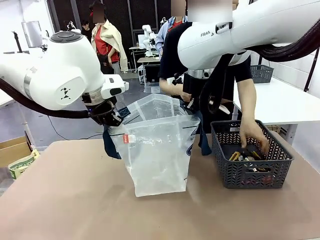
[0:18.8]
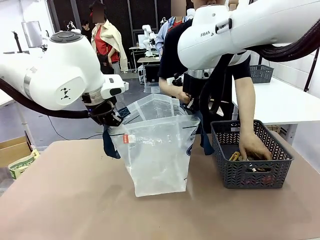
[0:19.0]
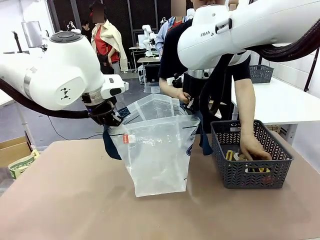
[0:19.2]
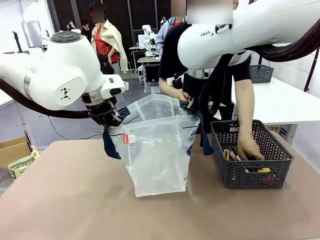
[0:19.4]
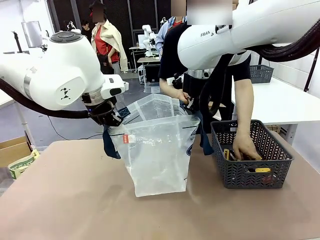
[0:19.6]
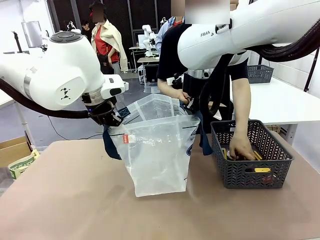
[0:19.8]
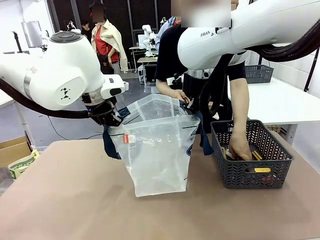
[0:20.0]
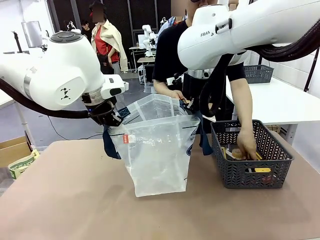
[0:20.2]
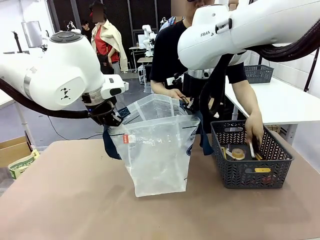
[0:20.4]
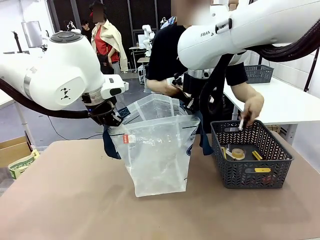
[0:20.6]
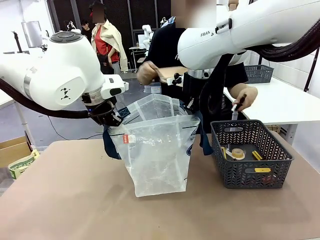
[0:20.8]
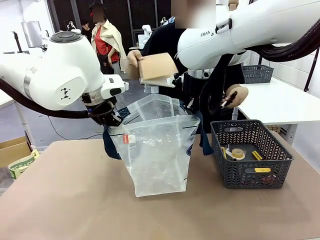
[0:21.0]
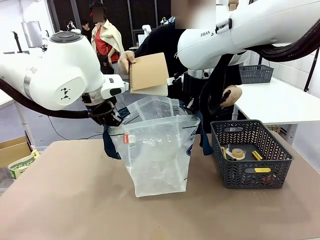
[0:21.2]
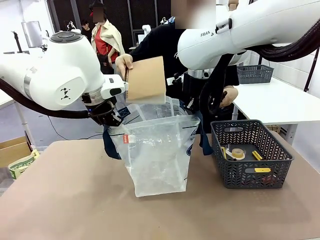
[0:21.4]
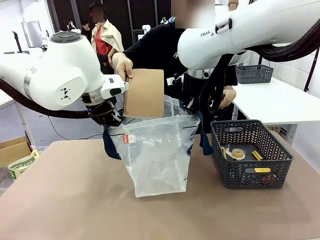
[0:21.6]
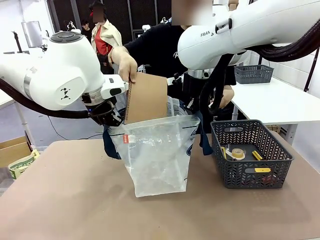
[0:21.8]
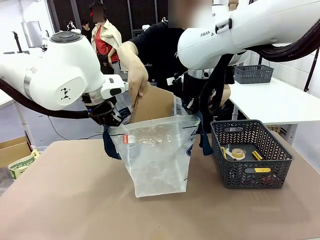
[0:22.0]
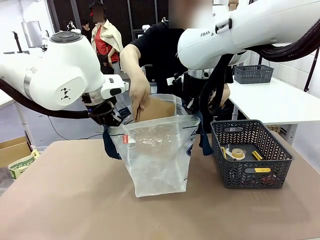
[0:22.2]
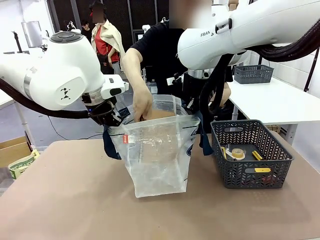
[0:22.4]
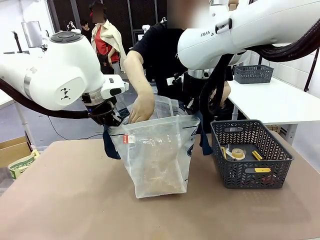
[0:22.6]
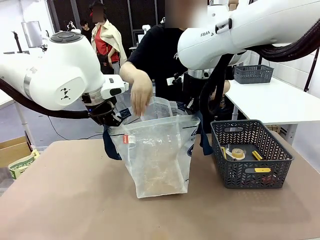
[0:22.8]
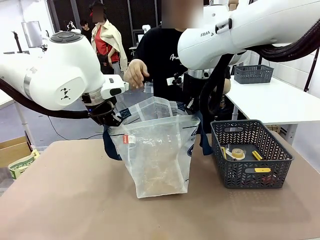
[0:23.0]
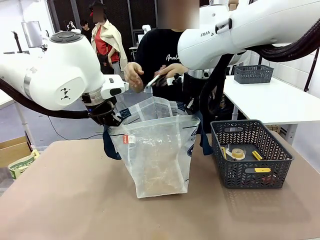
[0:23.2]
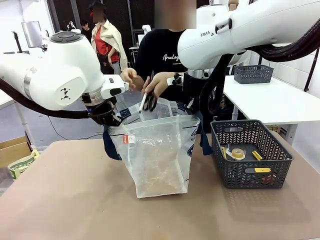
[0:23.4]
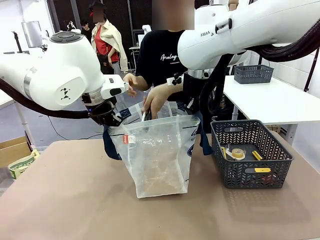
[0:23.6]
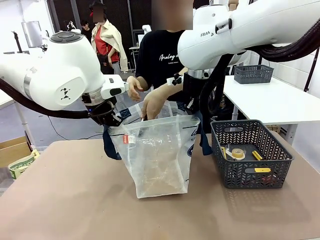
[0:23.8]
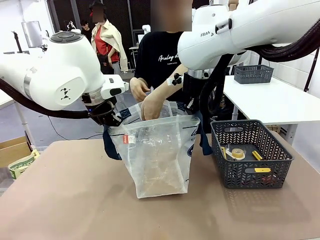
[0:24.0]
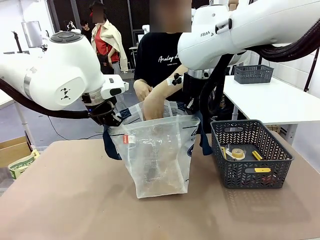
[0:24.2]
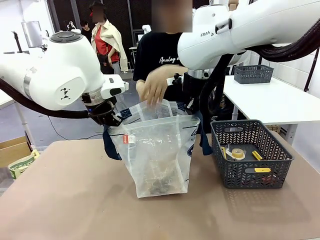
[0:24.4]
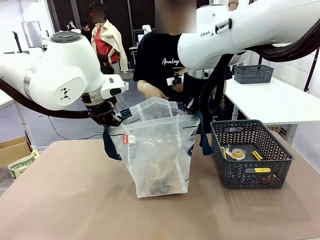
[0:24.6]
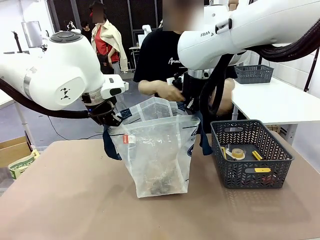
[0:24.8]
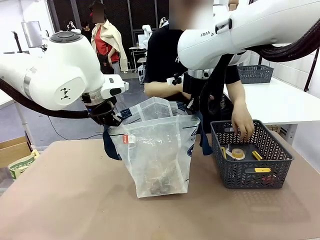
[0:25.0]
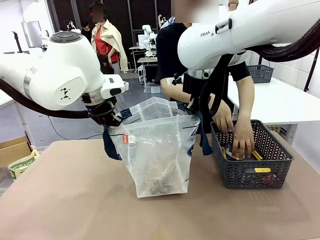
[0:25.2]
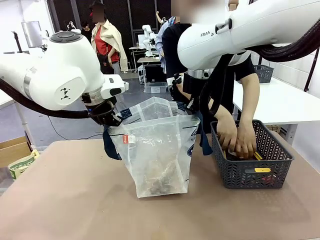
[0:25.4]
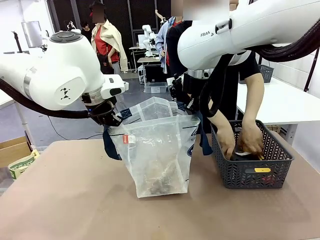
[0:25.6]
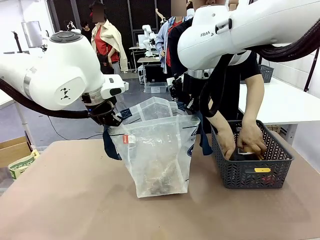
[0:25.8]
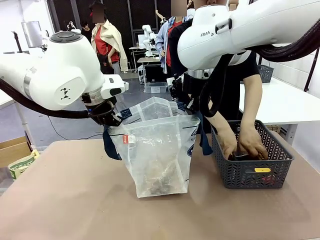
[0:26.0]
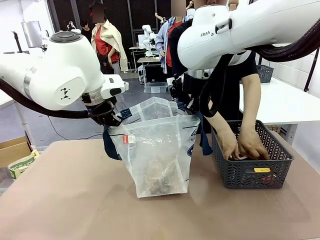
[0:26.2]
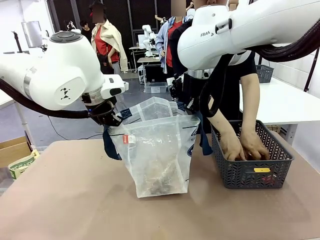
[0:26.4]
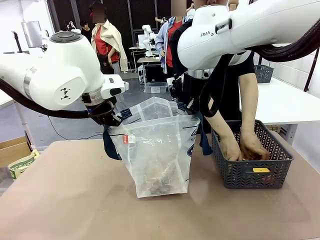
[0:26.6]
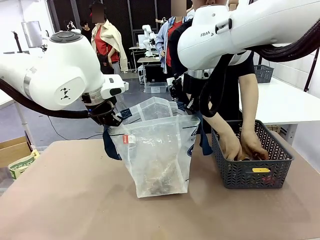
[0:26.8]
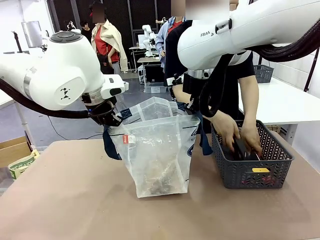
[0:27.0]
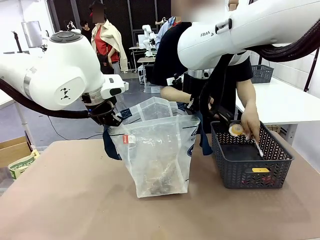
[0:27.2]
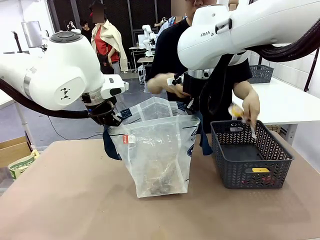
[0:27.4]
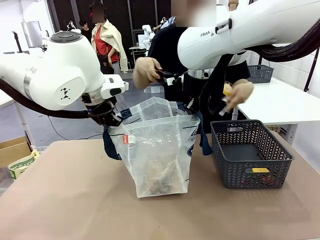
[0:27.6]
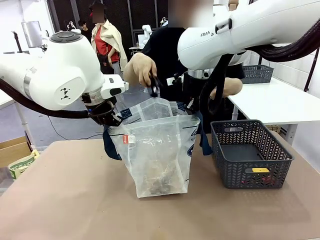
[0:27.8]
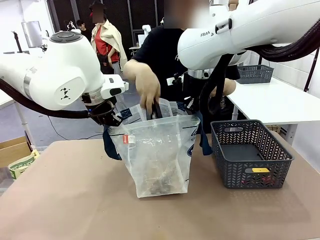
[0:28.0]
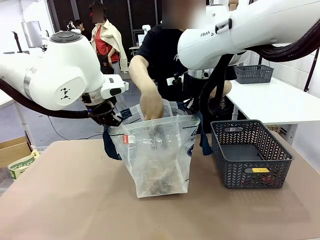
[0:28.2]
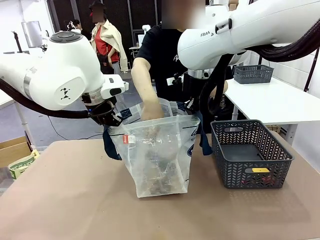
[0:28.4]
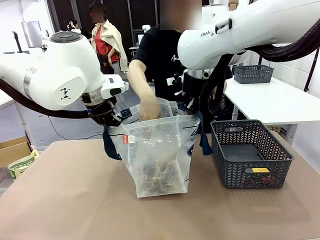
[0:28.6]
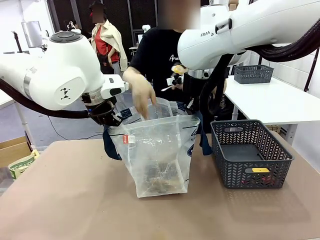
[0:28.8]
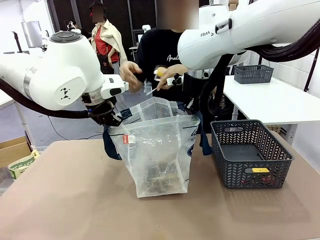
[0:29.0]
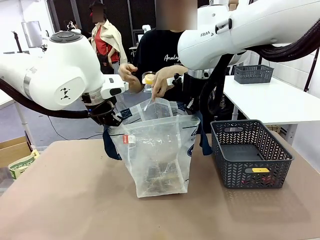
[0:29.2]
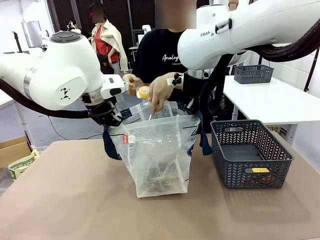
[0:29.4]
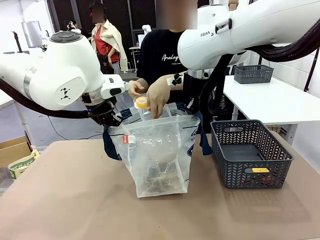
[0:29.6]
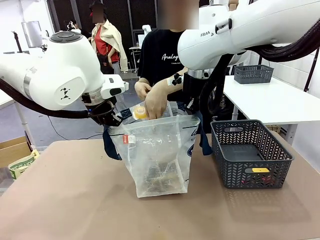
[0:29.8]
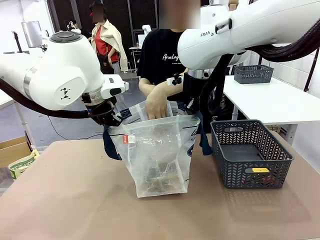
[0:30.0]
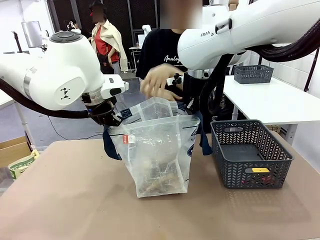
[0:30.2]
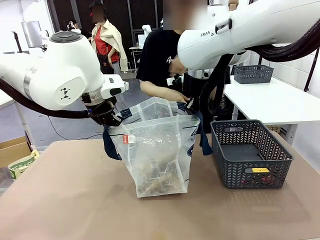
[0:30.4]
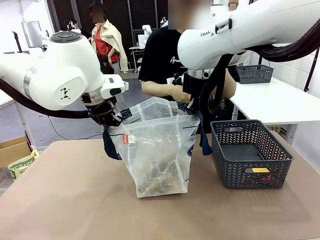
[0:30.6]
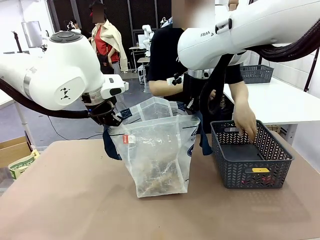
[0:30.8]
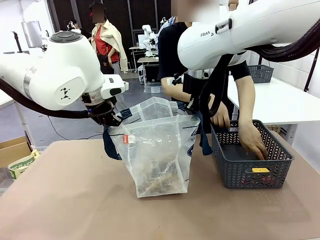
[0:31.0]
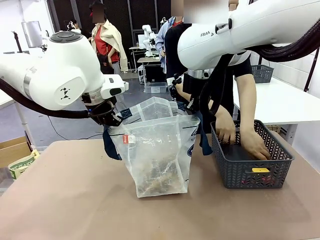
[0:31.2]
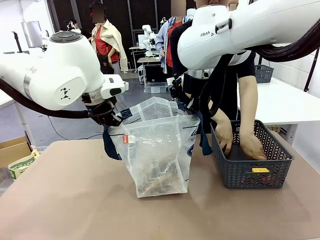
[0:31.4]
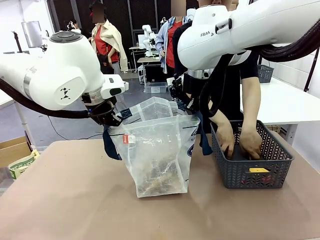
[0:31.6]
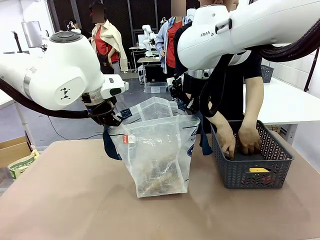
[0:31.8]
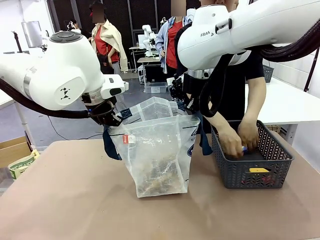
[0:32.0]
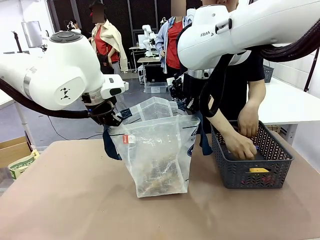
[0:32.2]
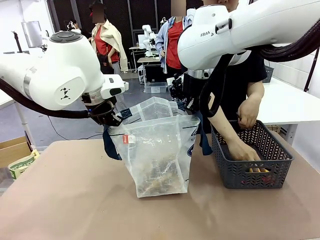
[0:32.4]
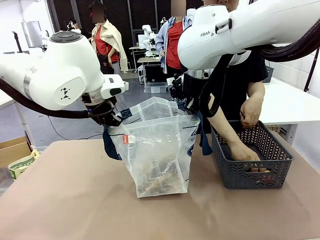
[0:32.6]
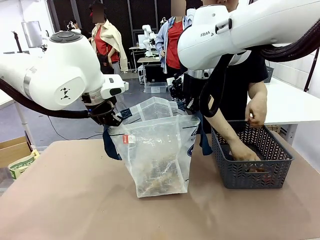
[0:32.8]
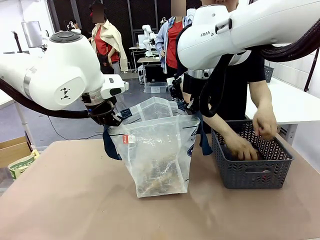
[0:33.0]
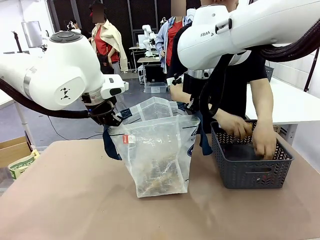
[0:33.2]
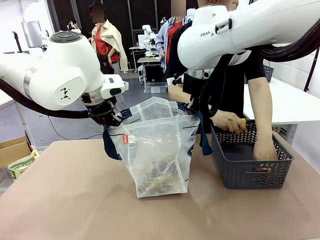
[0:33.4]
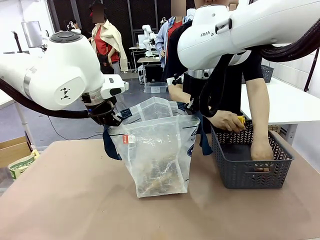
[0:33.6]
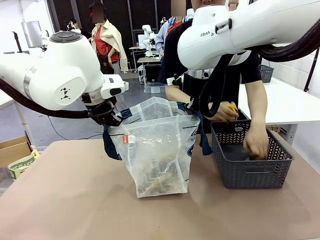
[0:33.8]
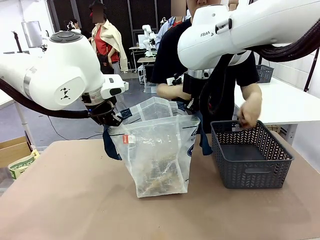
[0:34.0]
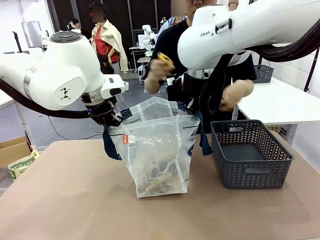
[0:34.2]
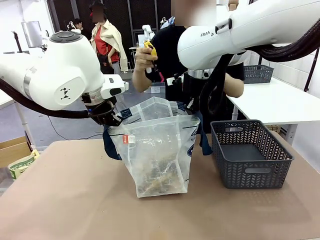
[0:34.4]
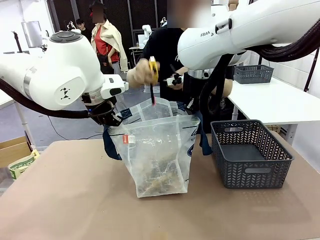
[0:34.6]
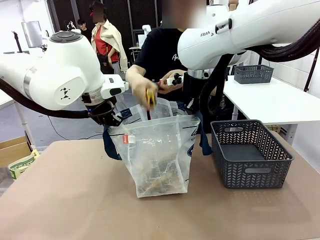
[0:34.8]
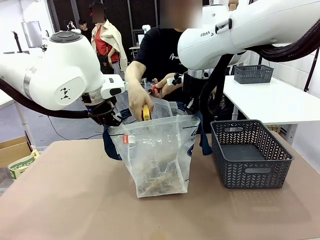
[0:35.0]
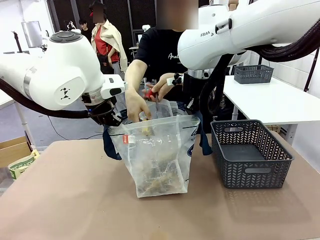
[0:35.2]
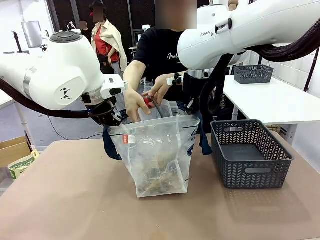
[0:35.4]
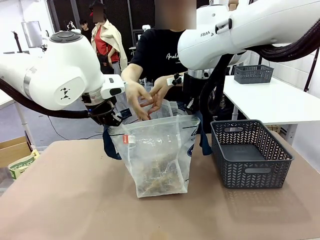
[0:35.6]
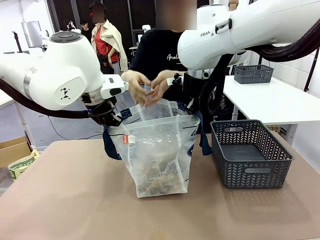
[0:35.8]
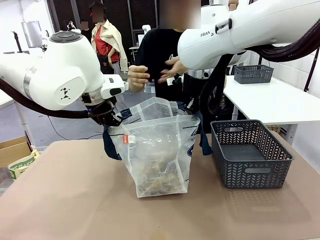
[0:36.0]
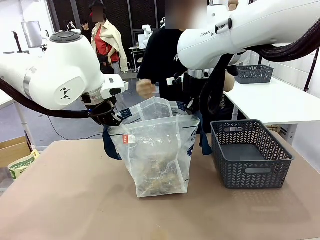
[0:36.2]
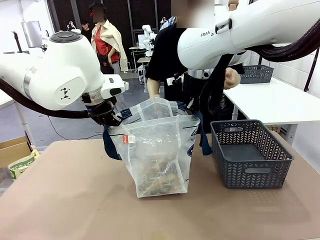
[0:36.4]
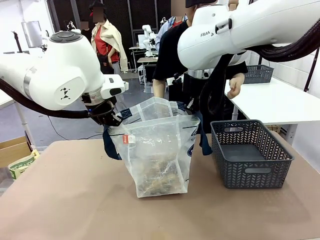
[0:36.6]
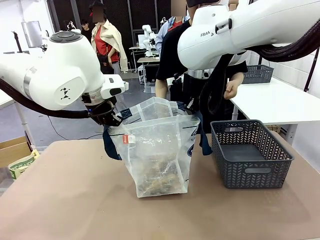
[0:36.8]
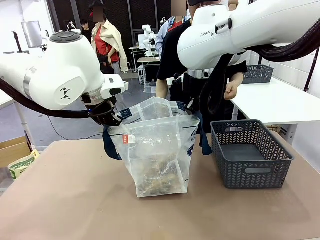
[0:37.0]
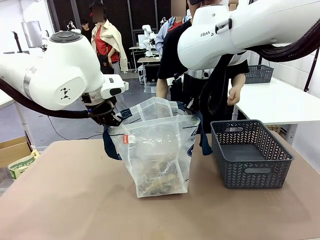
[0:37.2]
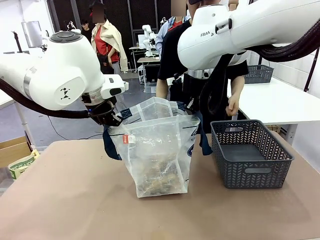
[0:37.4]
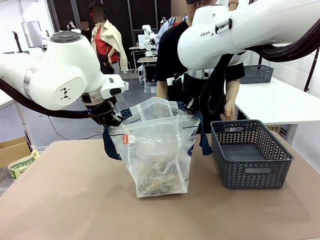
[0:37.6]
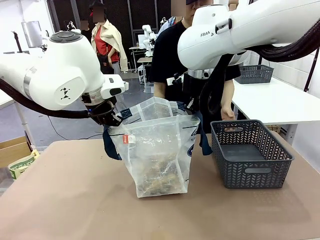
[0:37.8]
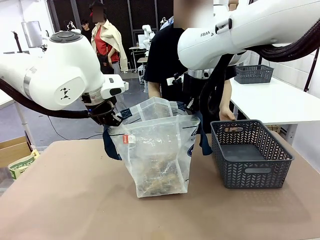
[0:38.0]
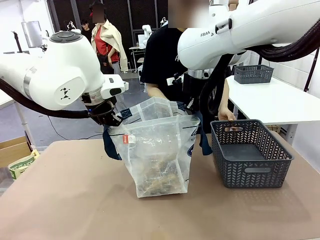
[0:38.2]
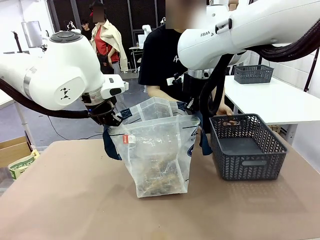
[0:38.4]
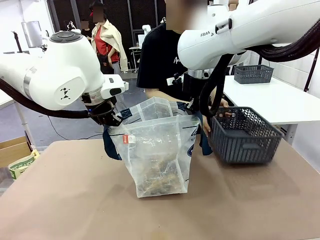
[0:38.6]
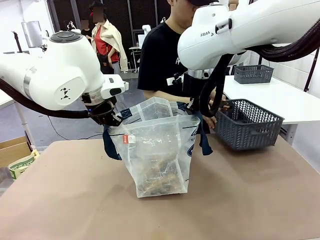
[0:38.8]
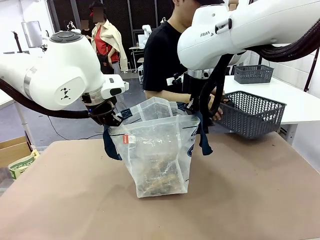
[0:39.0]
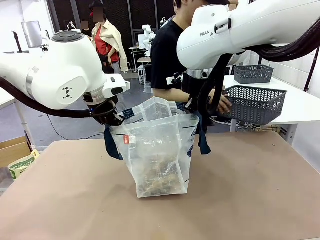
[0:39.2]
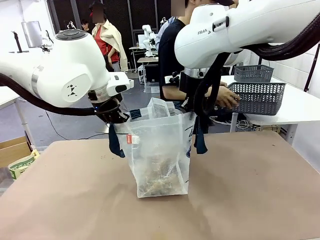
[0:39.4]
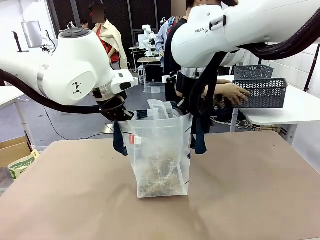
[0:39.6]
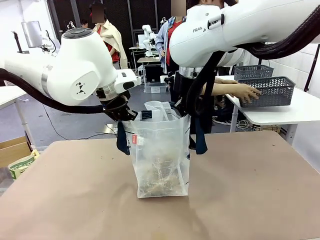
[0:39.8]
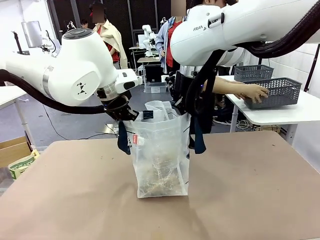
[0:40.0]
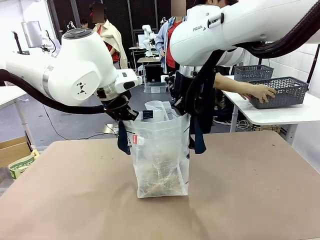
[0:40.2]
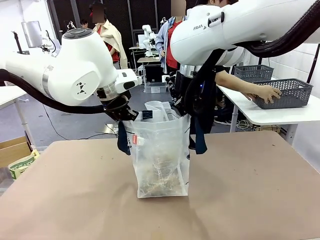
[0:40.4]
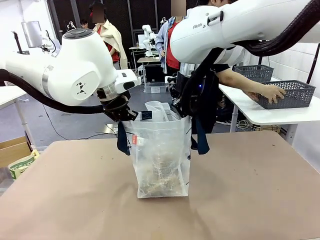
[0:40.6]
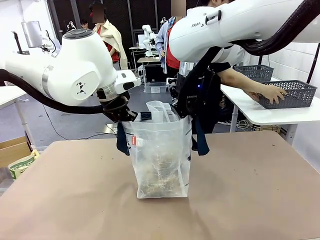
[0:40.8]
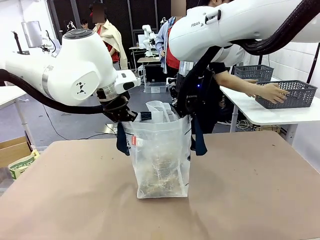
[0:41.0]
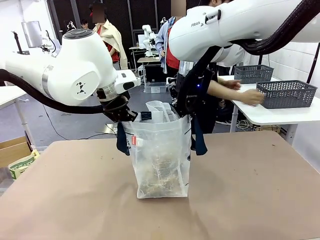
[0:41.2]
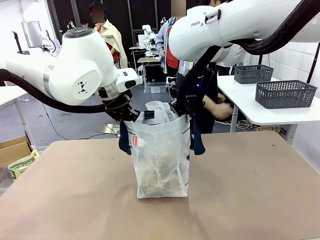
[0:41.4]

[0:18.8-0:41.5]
Task: Transfer purchased items from the store into the shopping bag.
Robot: Move the Reusable shopping bag to the right side of the table.
Person: Pick up the basket on the right, place it on the left side of the robot table, and move the items in the basket to the shopping bag. Pick up the basket with the items out and place it on the right side of the human table.
